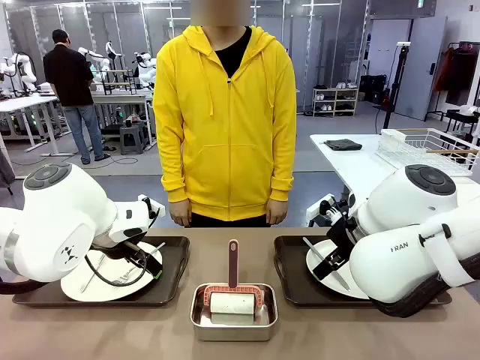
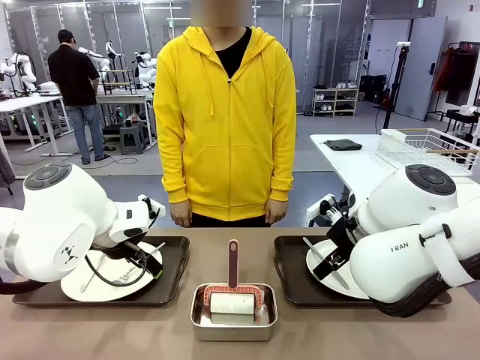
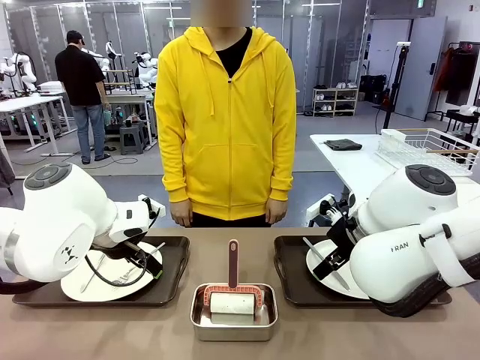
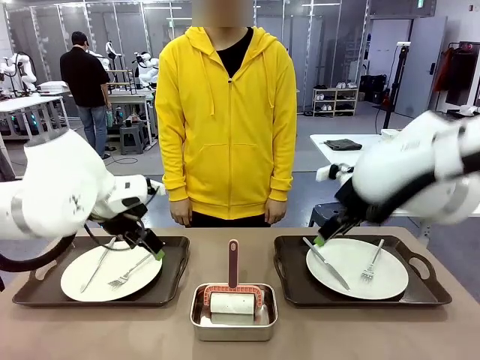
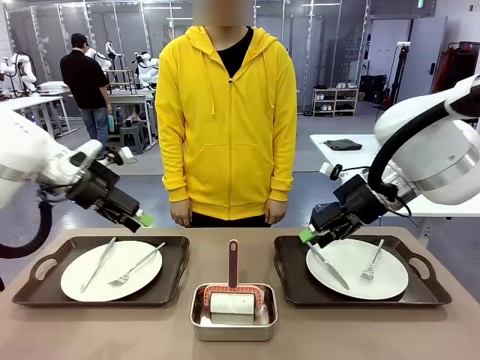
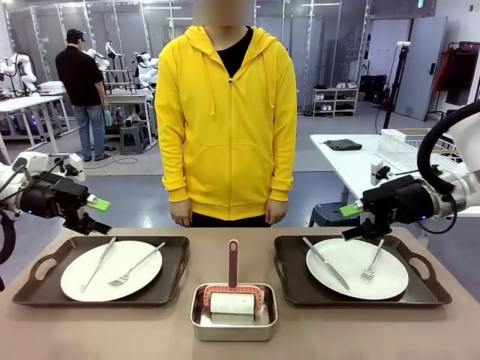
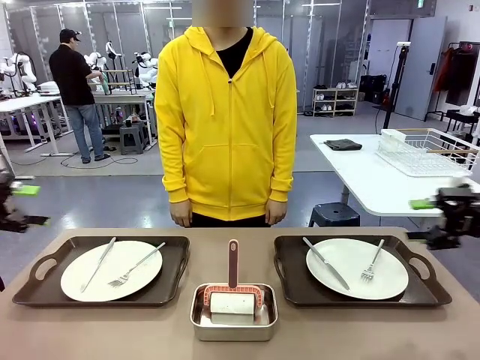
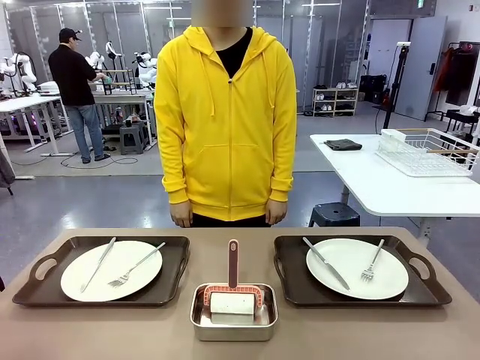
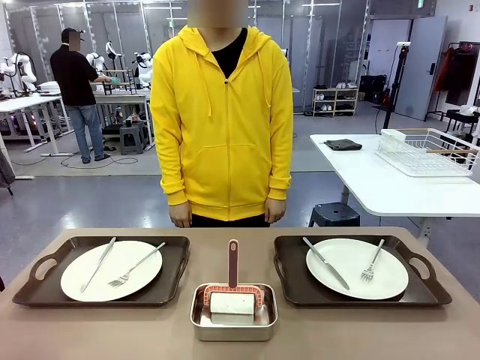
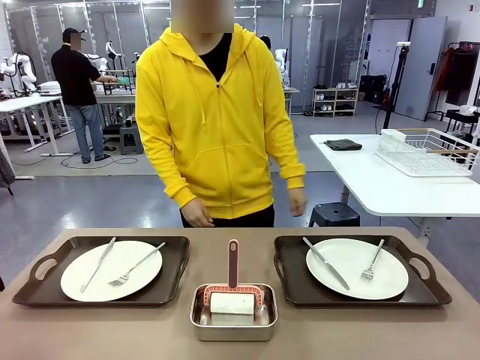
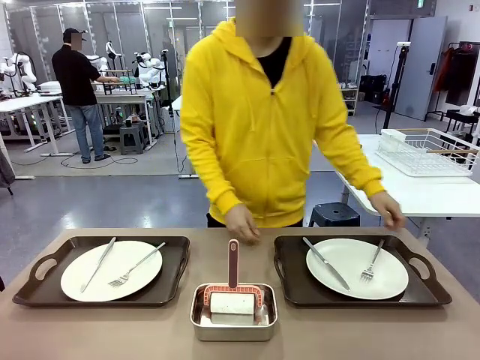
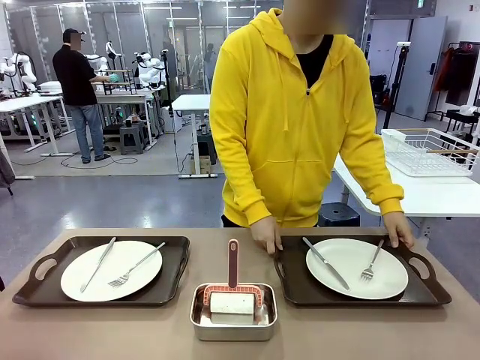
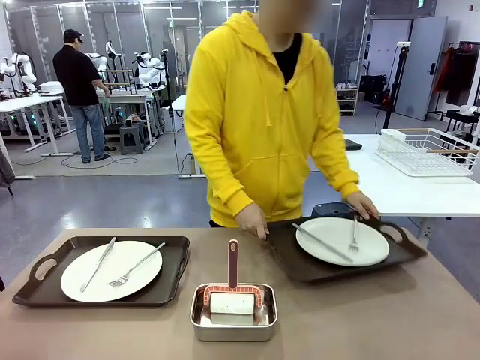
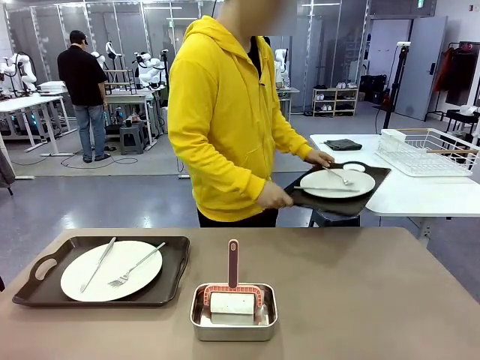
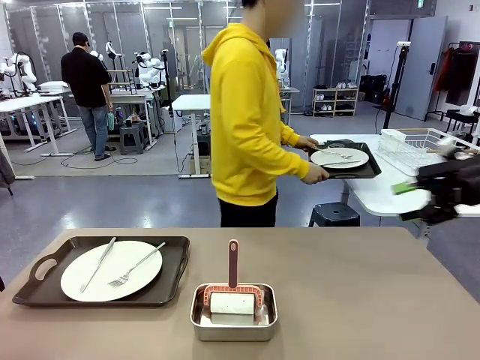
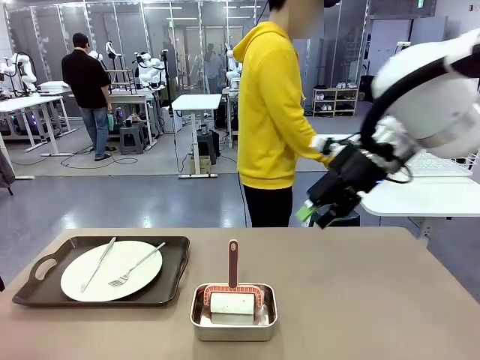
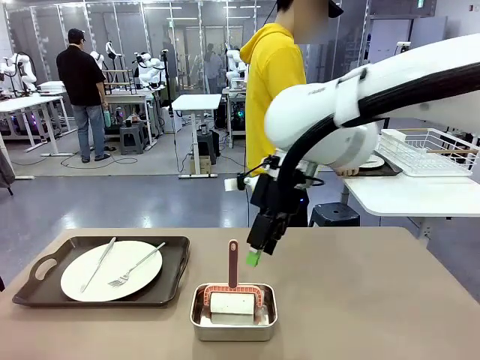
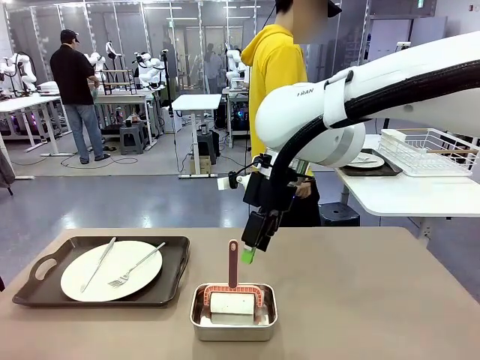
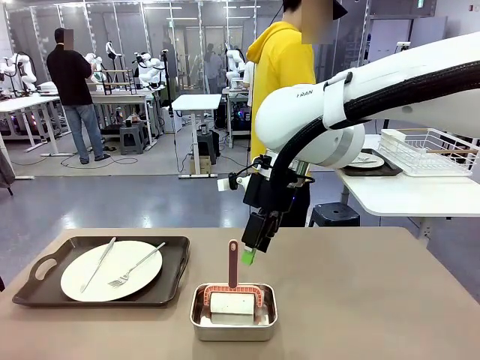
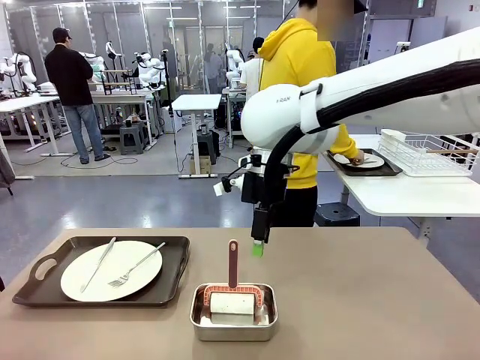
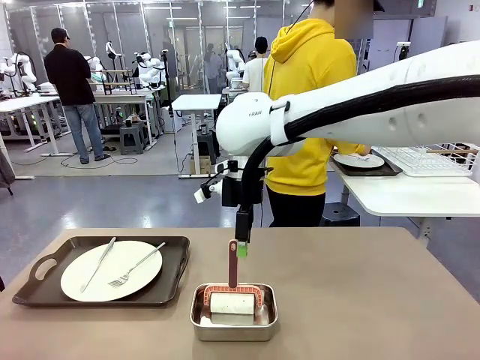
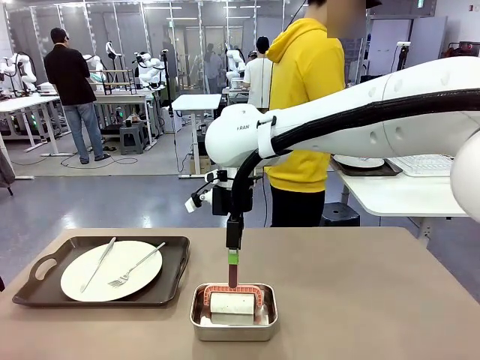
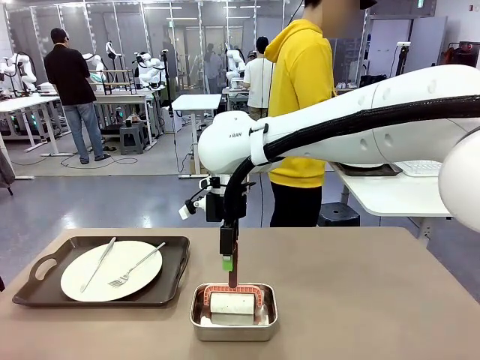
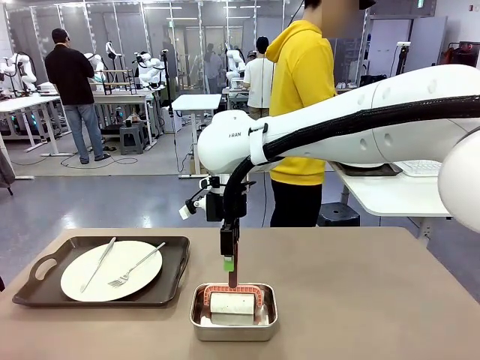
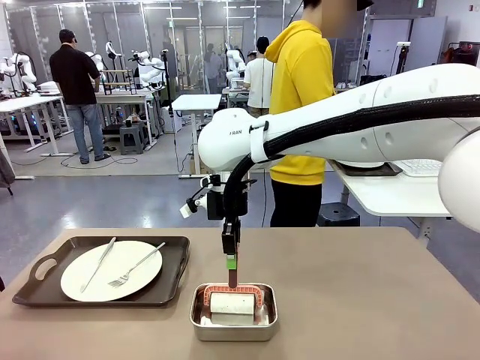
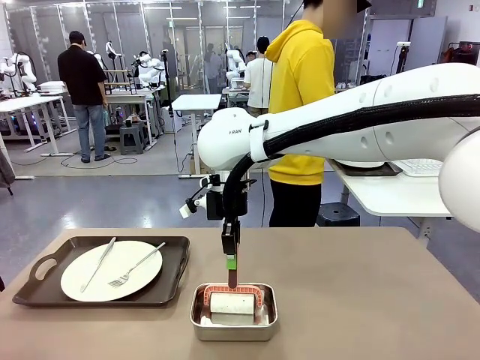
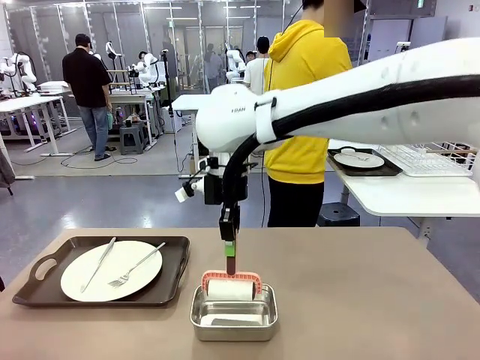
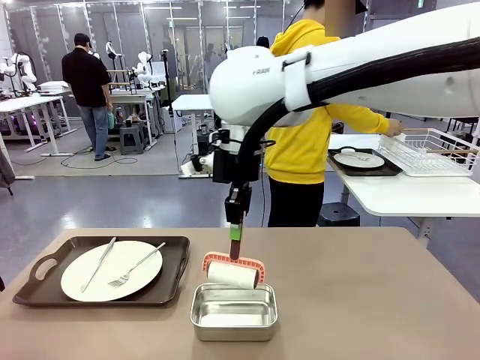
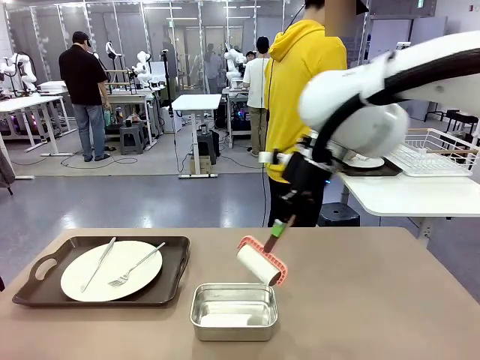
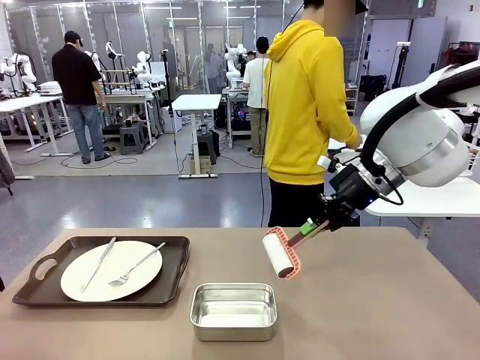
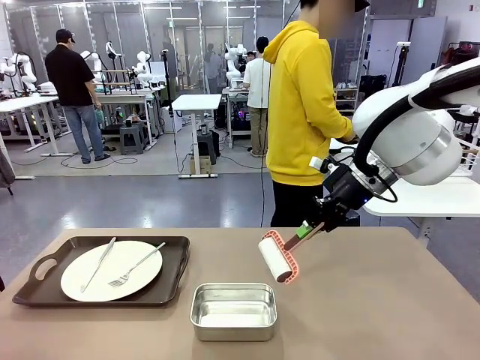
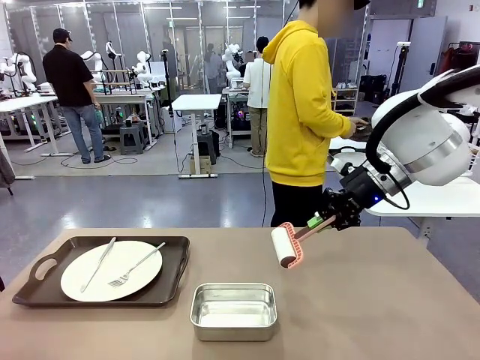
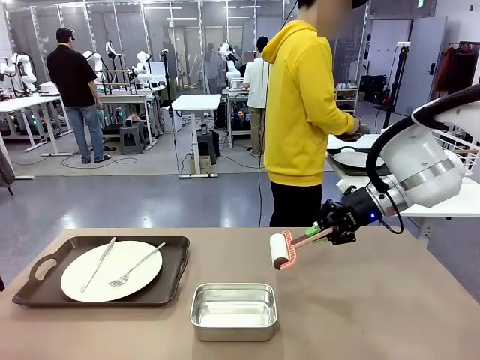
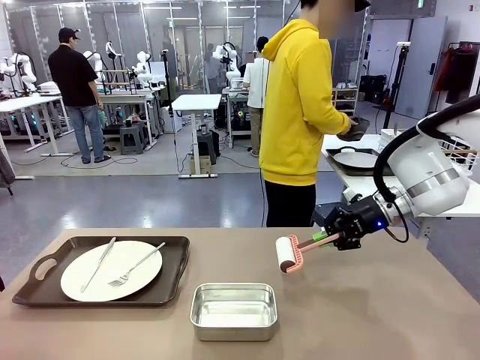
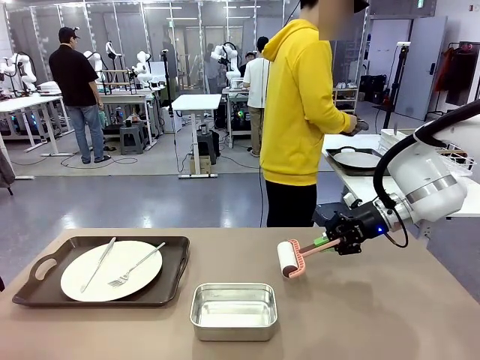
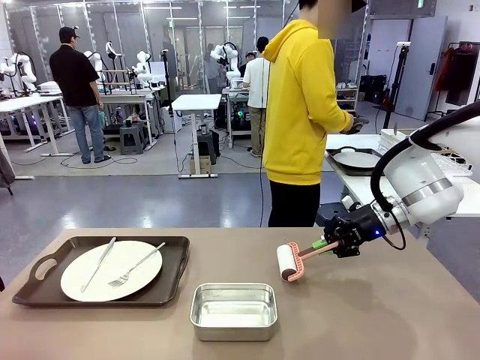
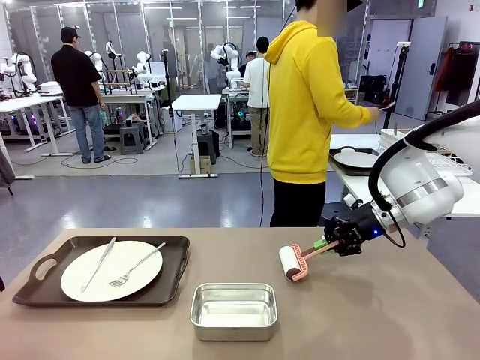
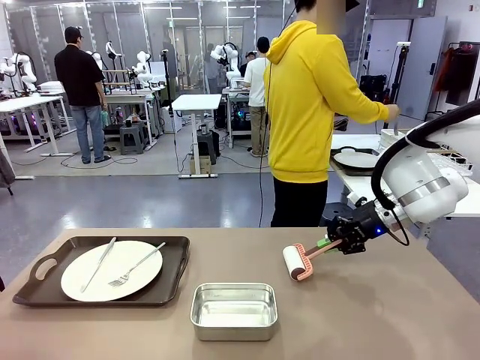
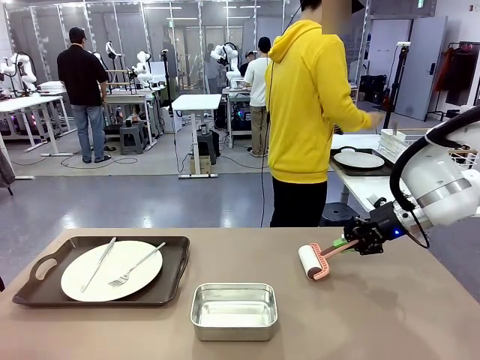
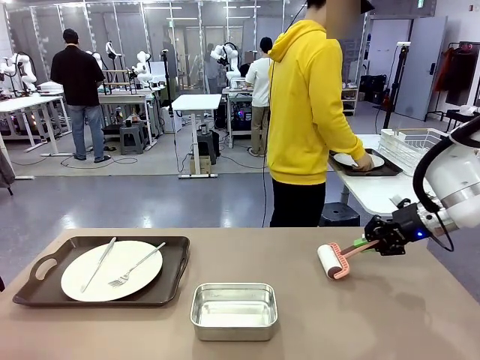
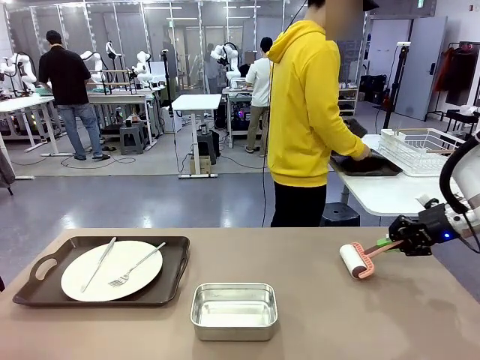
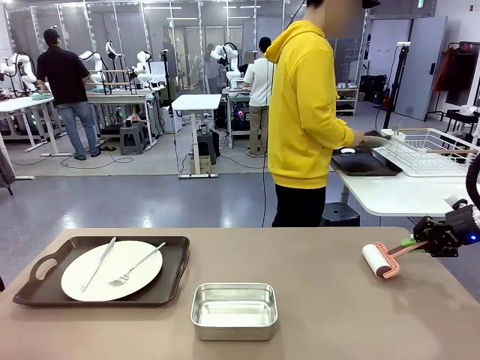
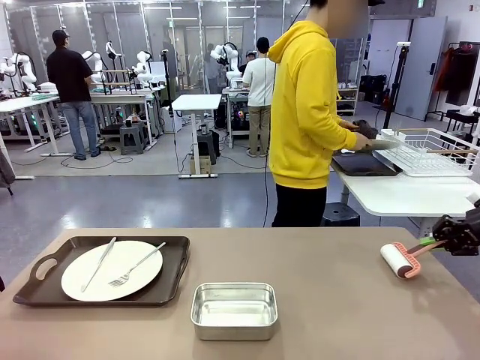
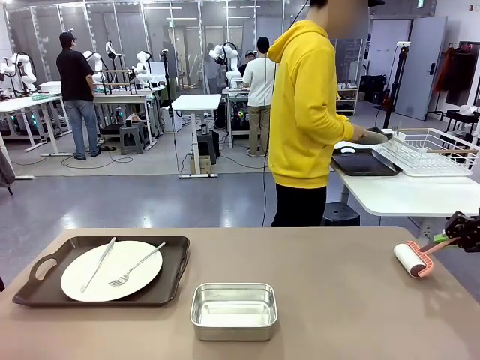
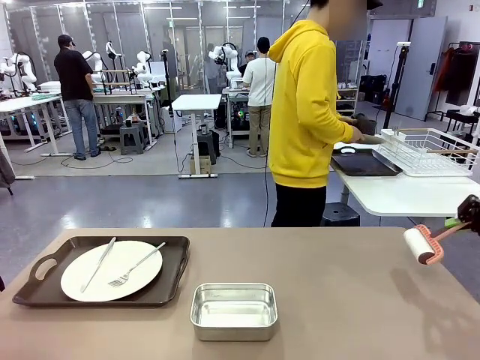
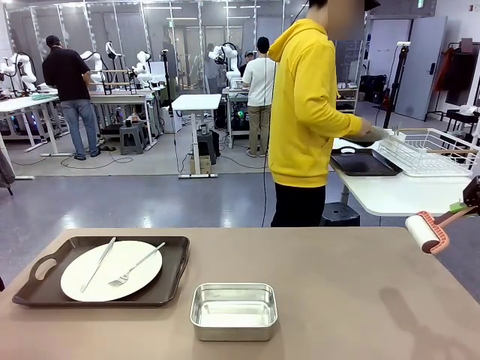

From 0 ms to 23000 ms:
Robot: When the left (or right) Handle tray is removed, use the left hand (or right hand) to clean the left (or right) side of the table with the Lint Roller.
Person: Pick up the left (or right) Handle tray and place it on the middle of the Human's table. Use the Towel with hook to wipe the Plastic Matte Plate , Fork , and Knife and place into the Dish drying rack.
